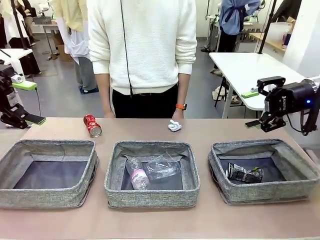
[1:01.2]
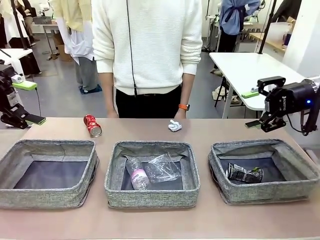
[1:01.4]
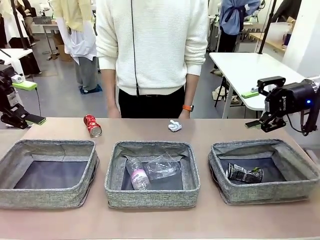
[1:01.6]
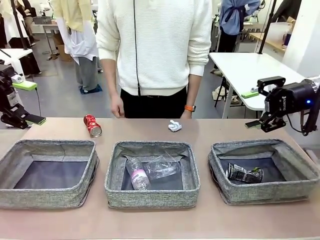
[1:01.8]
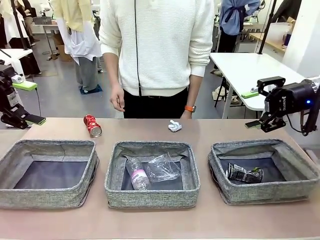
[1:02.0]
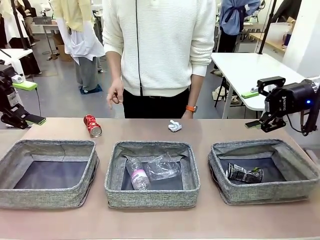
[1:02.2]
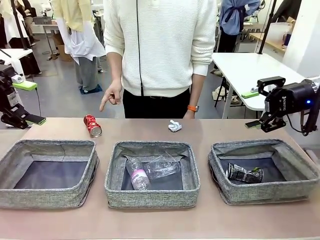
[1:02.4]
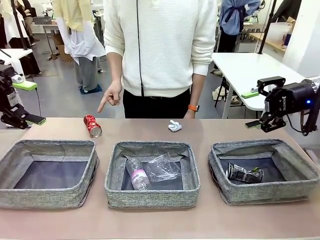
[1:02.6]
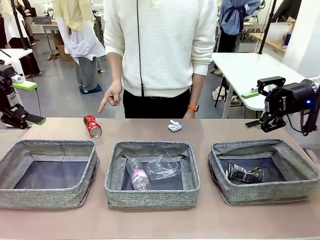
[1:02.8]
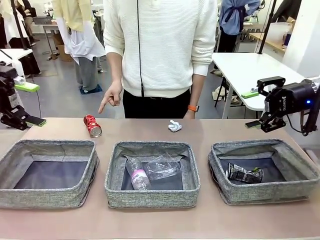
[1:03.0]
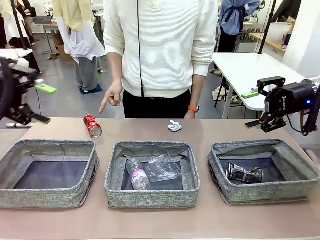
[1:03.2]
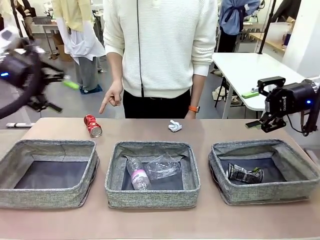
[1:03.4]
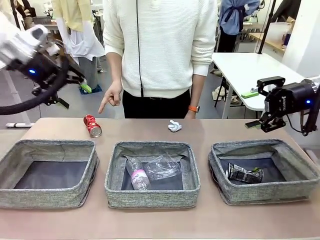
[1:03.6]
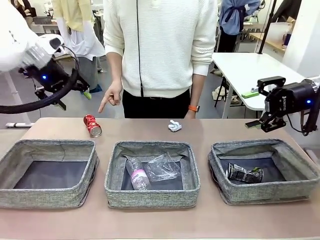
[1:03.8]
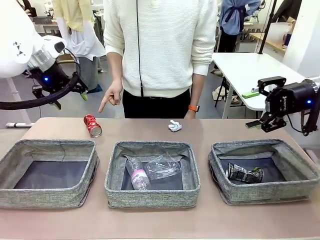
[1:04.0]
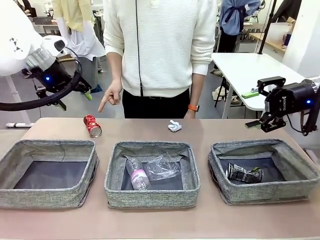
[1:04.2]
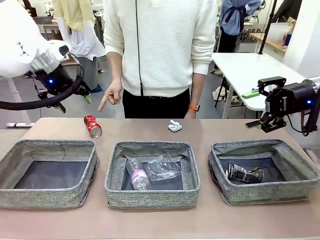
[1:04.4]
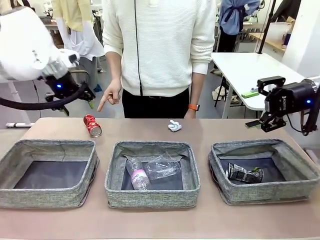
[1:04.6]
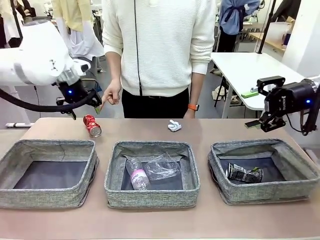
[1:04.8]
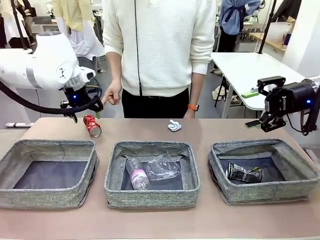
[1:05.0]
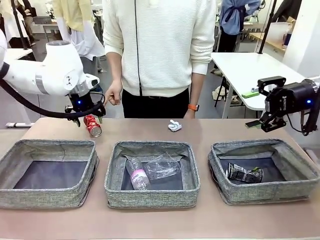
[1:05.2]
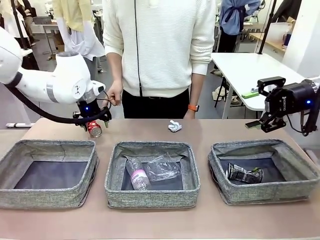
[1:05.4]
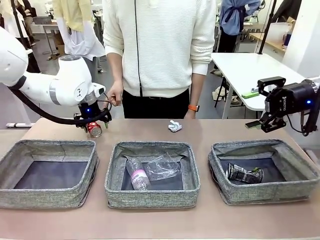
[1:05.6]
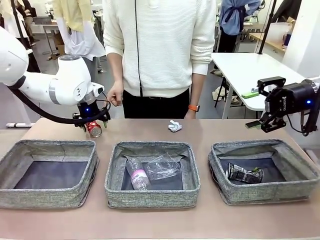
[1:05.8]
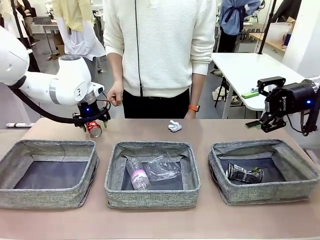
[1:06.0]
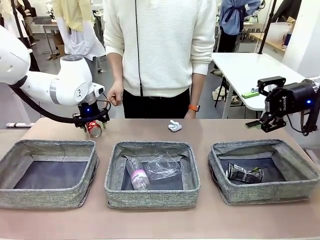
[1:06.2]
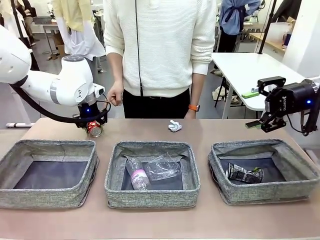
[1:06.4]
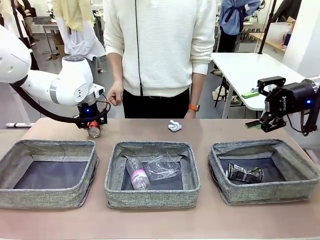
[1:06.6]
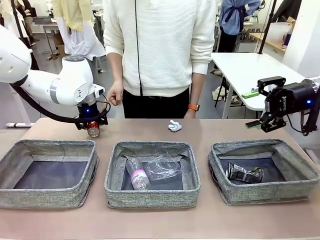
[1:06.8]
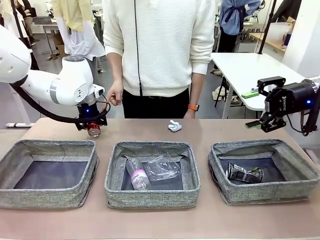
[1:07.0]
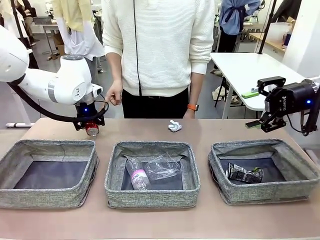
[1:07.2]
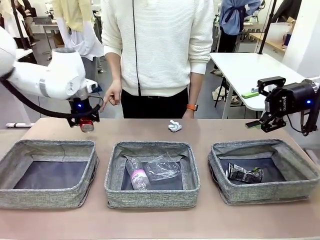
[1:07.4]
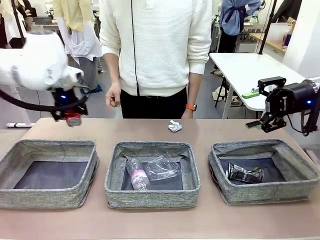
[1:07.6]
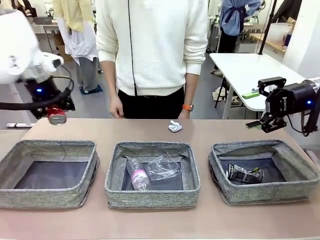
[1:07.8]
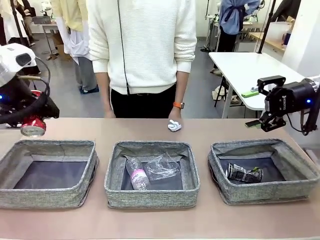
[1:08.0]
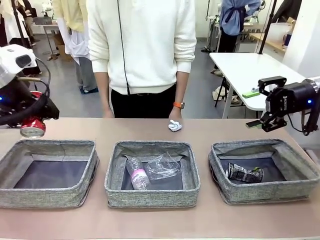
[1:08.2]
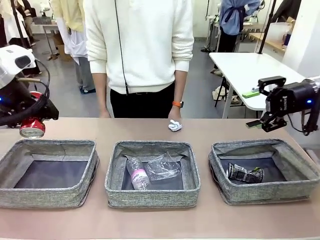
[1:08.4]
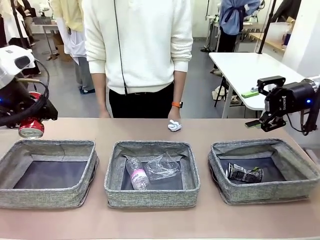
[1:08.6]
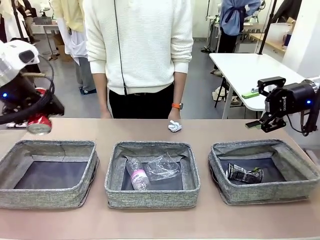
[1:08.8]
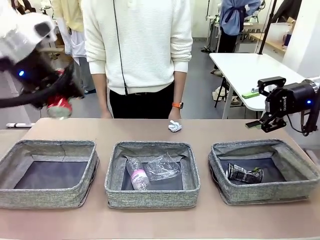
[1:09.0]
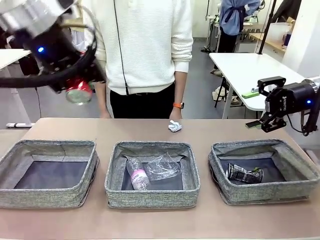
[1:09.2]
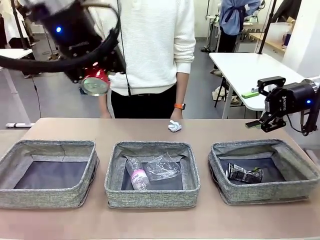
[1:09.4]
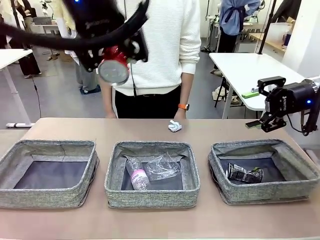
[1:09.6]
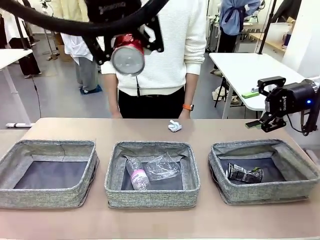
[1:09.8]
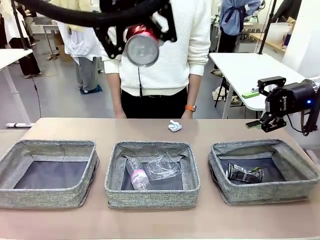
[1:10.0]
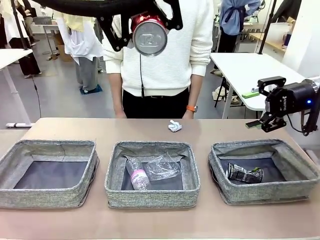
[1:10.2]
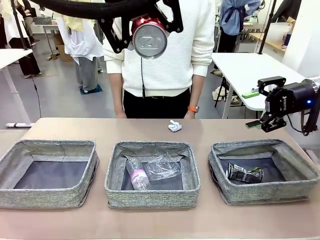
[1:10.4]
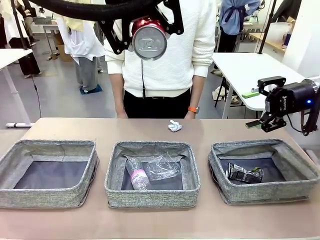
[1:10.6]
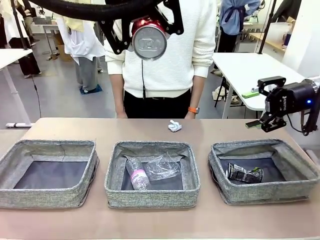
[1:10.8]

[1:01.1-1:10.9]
Task: Sort the waste into the appropriate baskets.
Robot: Pick up the waste item pointed out by the person.
Person: Points to one piece of trash on the table.

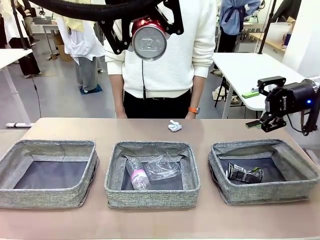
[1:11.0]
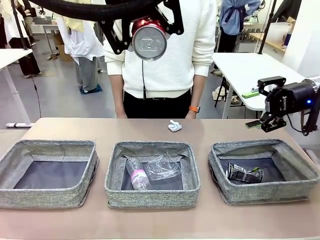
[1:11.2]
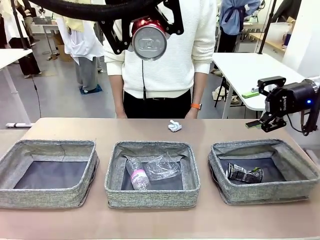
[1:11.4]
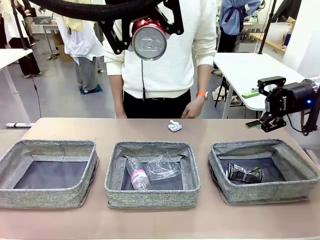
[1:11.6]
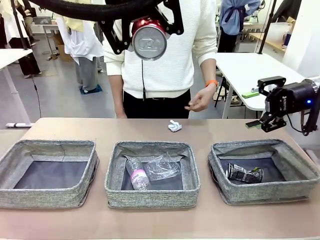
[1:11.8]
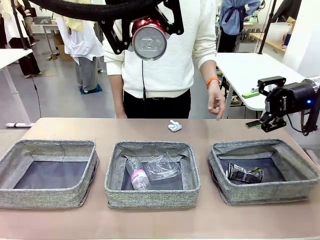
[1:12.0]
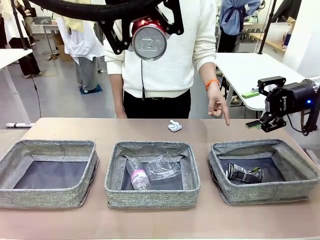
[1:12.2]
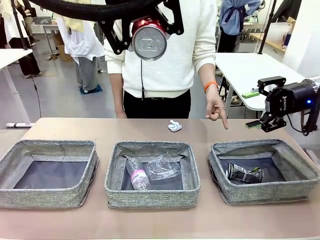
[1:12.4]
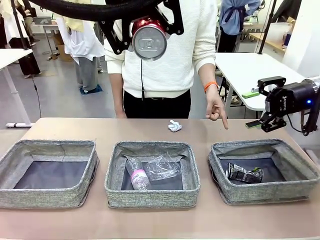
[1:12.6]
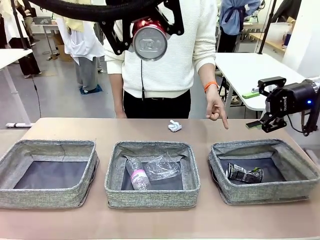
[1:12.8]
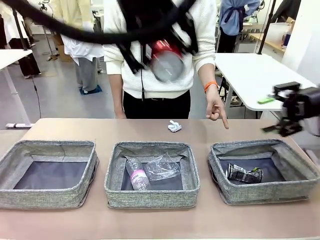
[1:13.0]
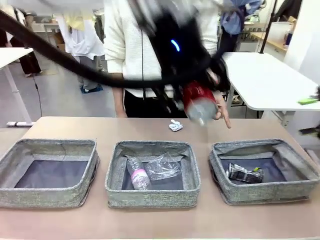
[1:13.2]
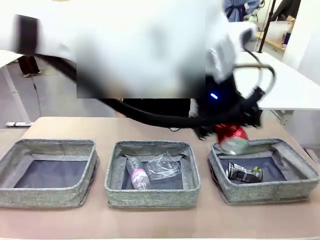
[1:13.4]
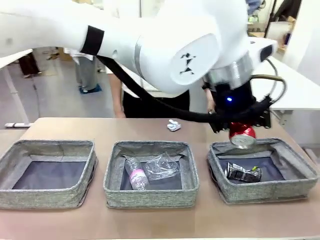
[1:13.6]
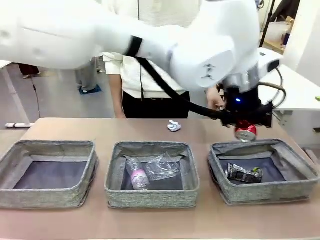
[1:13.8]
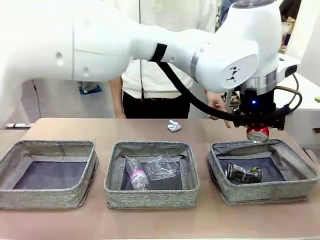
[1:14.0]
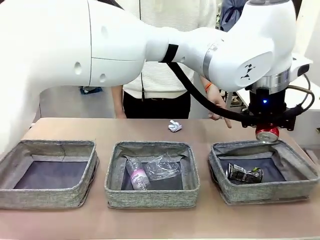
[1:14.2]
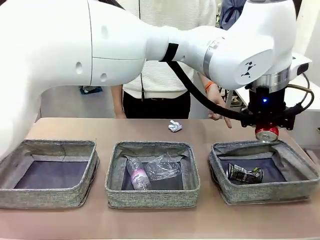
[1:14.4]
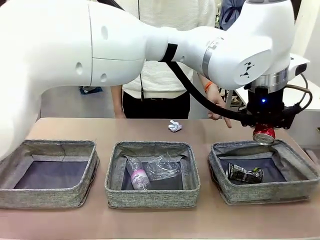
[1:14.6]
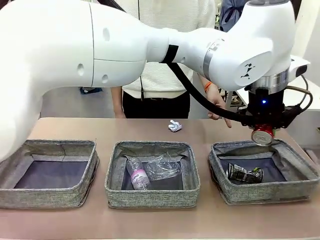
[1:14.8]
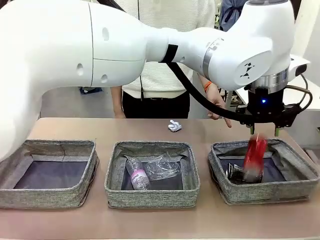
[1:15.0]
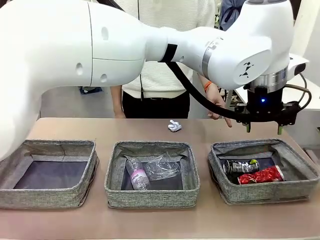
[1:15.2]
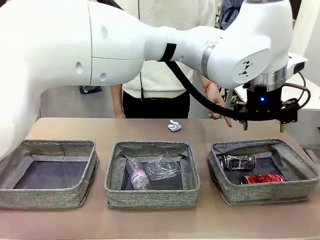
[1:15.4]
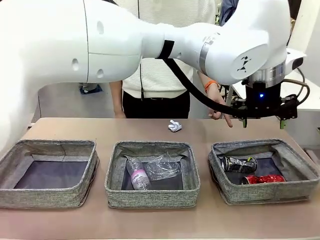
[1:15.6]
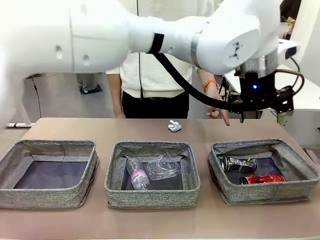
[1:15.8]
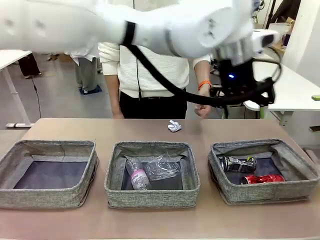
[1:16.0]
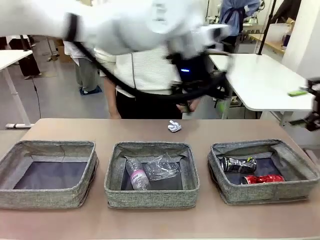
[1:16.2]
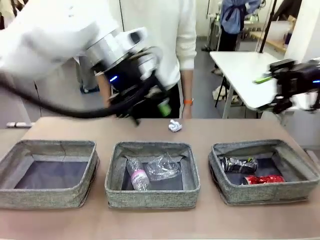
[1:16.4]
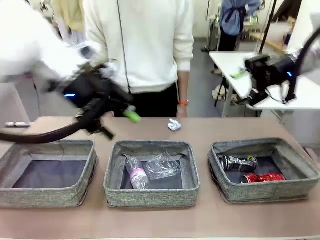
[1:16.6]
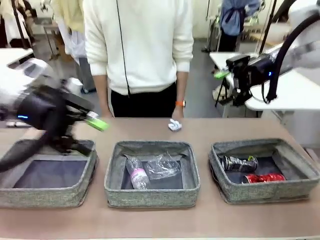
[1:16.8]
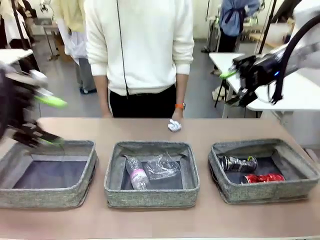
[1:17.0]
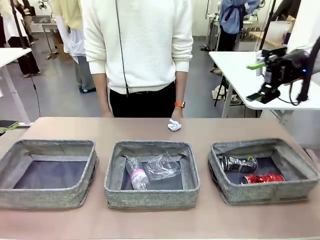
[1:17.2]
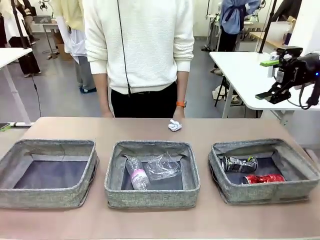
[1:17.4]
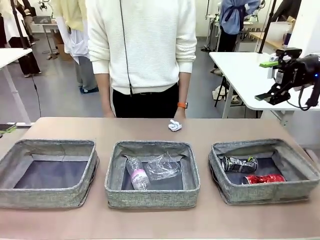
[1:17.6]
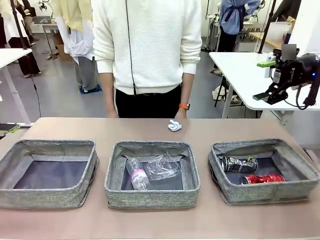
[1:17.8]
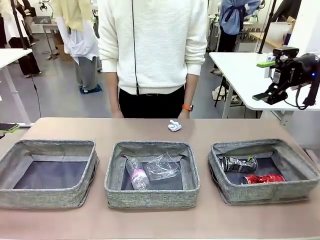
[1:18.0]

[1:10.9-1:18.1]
Robot: Place the picked waste into the Fabric basket indicated by the person.
Person: Instructs the robot to place the picked-up trash into the appropriate organizing basket.

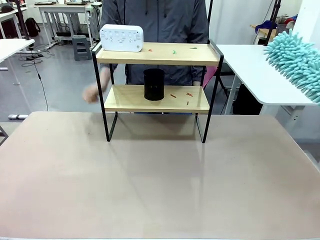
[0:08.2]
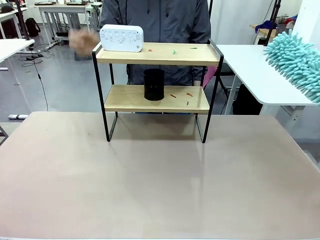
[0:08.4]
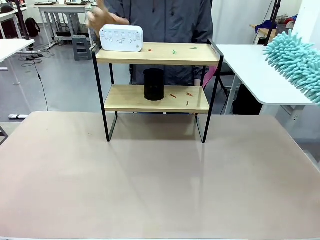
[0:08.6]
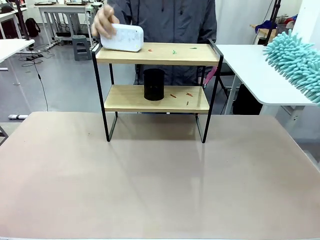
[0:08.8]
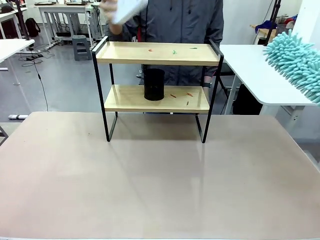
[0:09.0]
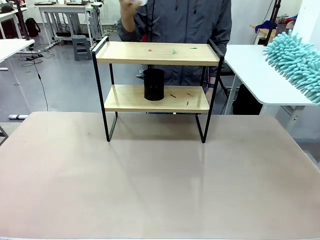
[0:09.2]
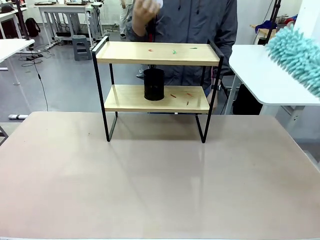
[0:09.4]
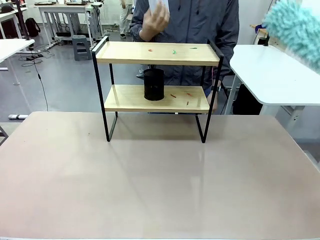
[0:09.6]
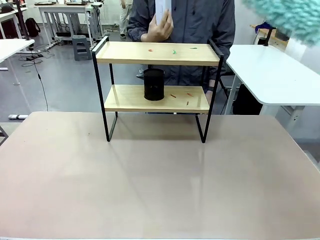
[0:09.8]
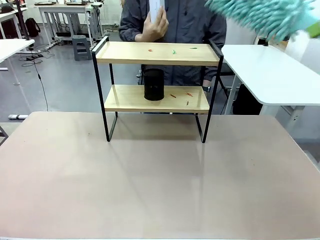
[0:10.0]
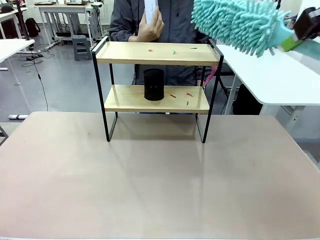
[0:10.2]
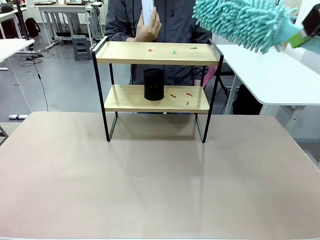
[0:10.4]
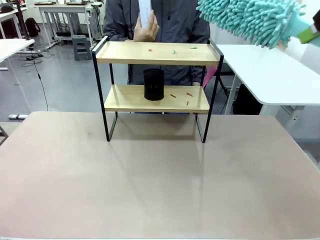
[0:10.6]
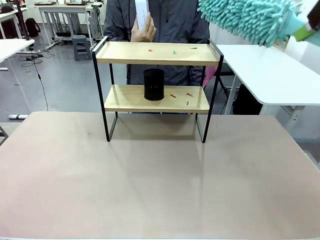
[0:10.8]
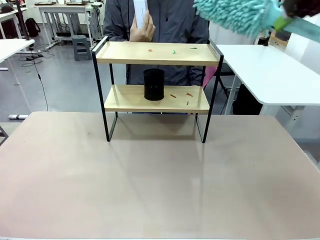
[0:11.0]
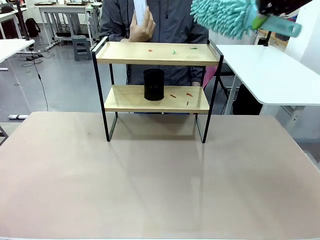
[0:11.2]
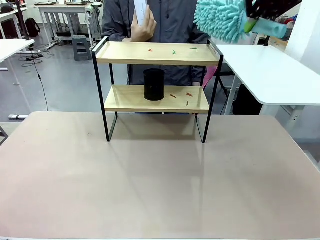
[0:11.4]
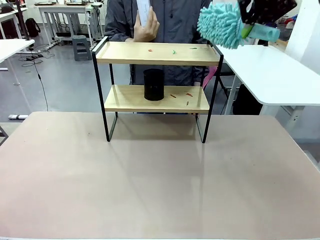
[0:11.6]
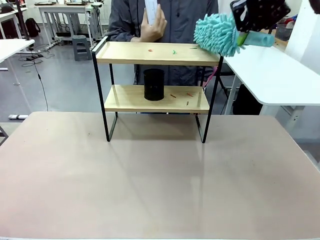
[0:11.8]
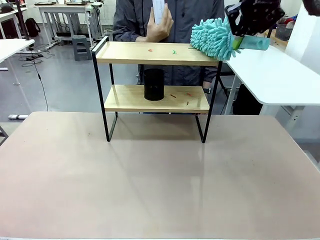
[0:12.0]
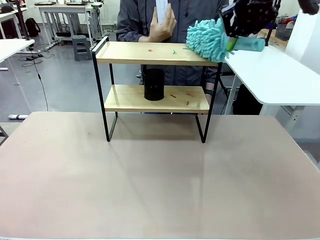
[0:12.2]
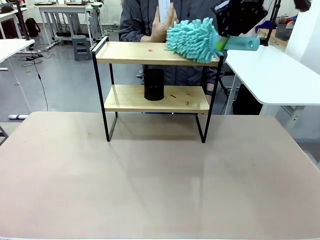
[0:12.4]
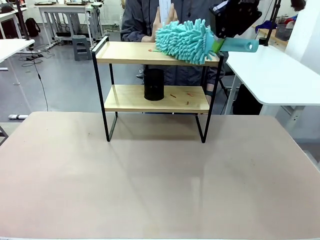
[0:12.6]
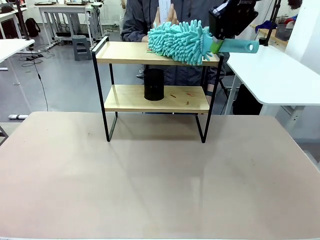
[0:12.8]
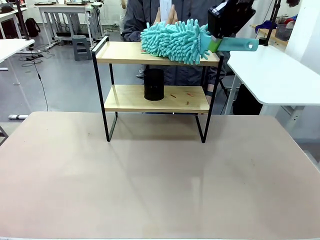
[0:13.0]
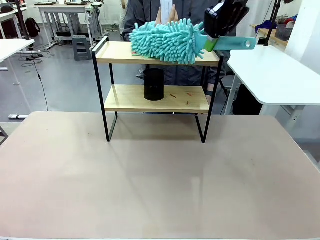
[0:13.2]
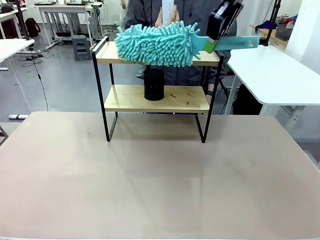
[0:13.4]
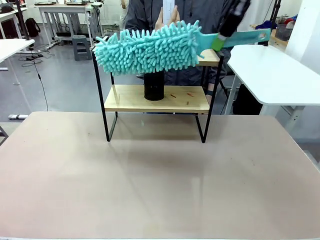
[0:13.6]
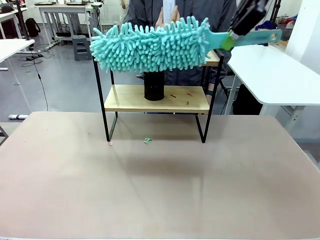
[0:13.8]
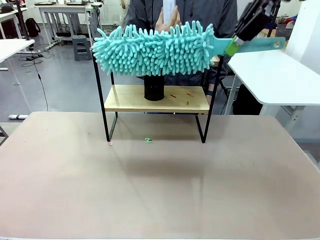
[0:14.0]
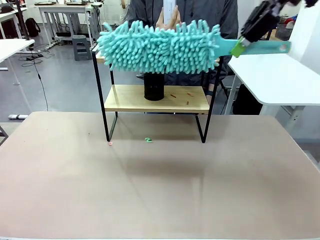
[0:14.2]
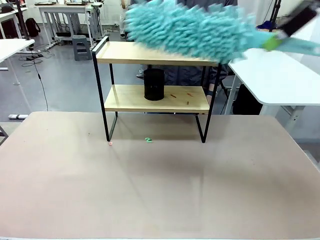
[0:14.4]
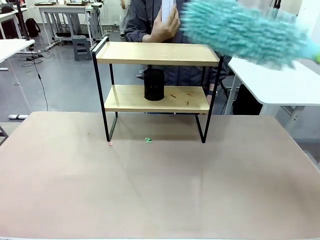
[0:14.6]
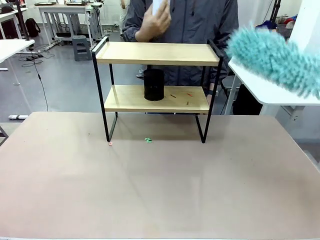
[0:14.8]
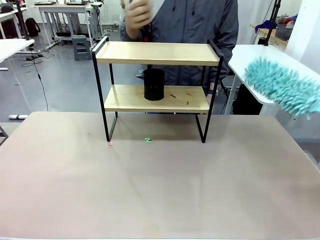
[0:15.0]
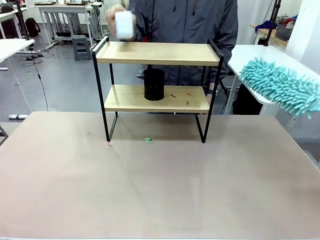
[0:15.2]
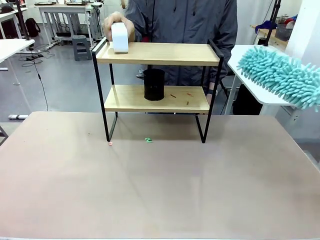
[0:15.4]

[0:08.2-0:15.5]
Task: Clean the shelf.
Robot: Clean the specific tier of the Shelf with the Duster once objects are removed.
Person: Lift the objects on a randomly selected tier of the Shelf. Once the robot finishes cleaning, lift the objects on the remaining tiers of the Shelf.
